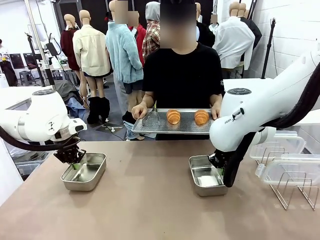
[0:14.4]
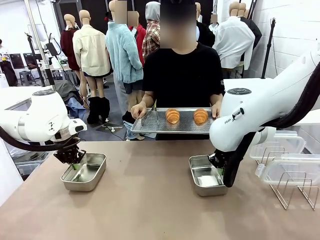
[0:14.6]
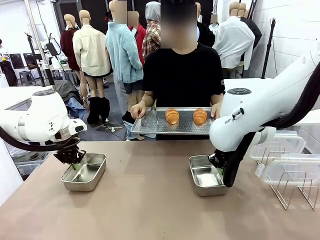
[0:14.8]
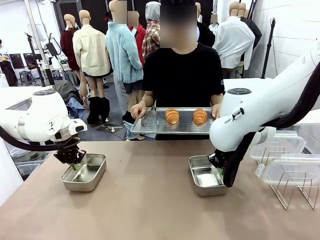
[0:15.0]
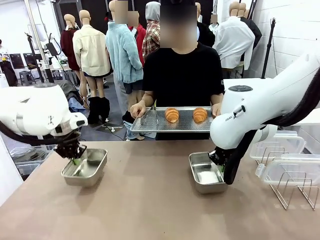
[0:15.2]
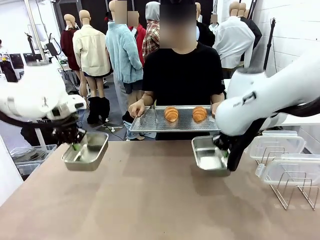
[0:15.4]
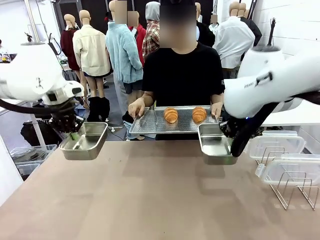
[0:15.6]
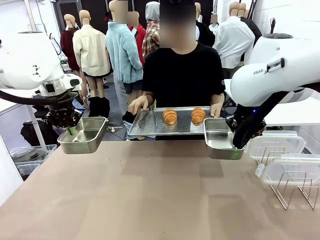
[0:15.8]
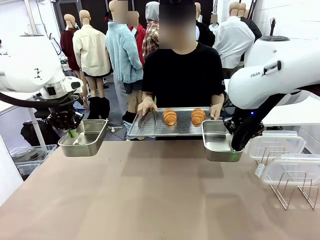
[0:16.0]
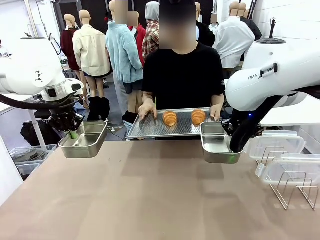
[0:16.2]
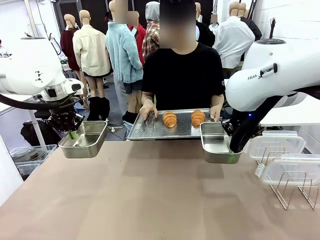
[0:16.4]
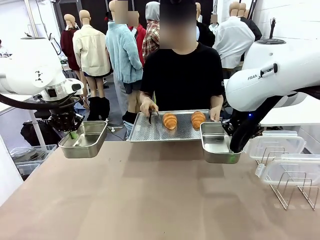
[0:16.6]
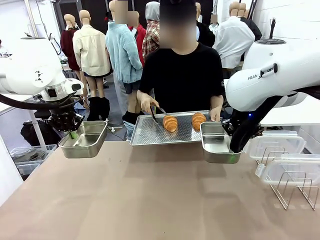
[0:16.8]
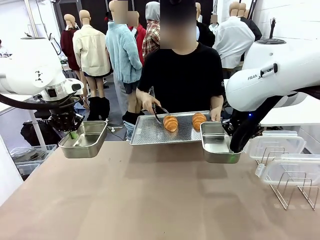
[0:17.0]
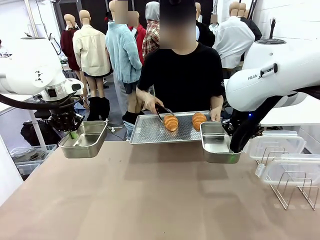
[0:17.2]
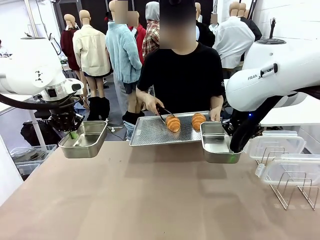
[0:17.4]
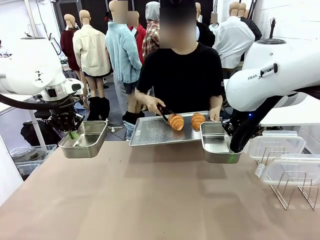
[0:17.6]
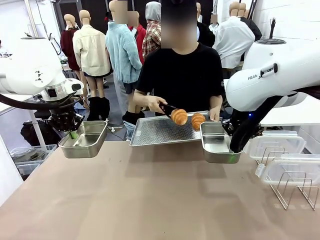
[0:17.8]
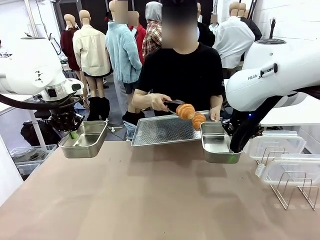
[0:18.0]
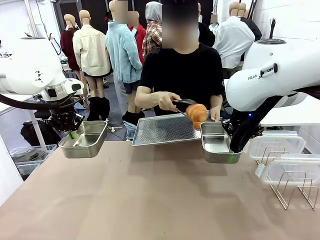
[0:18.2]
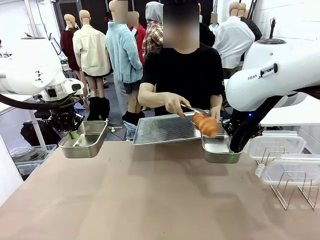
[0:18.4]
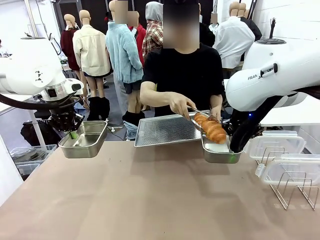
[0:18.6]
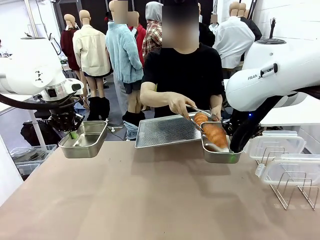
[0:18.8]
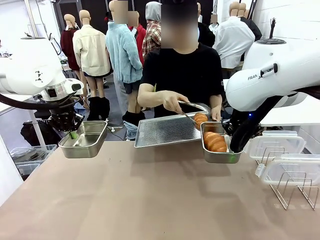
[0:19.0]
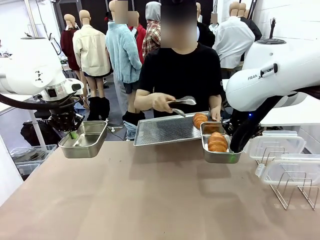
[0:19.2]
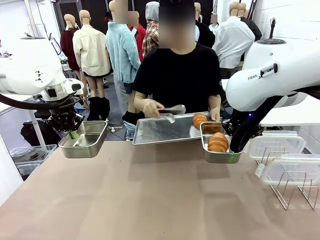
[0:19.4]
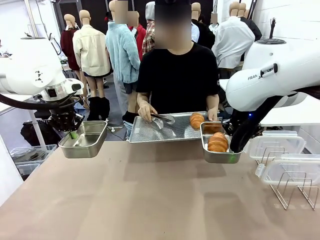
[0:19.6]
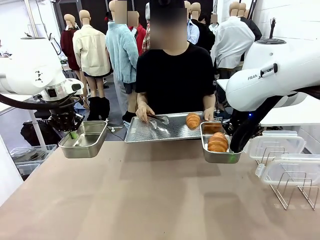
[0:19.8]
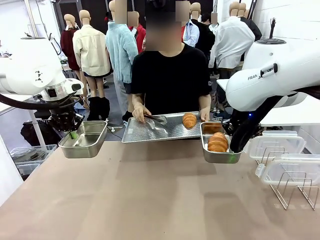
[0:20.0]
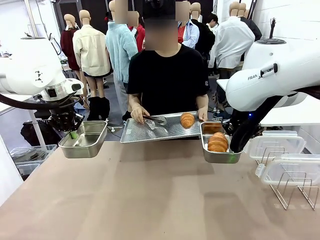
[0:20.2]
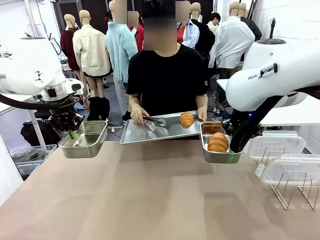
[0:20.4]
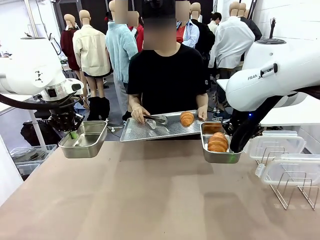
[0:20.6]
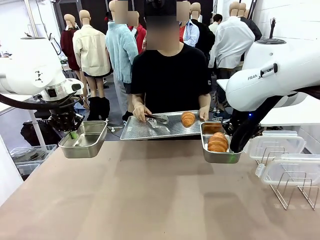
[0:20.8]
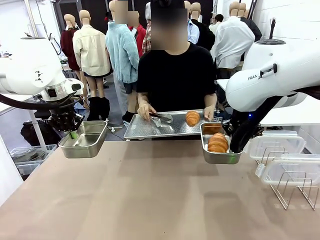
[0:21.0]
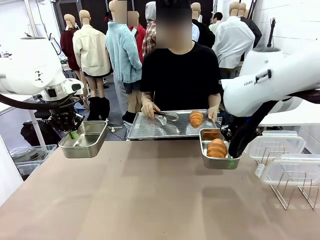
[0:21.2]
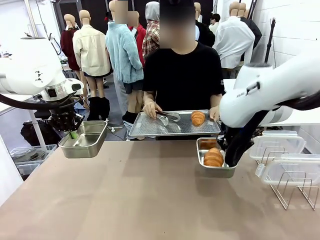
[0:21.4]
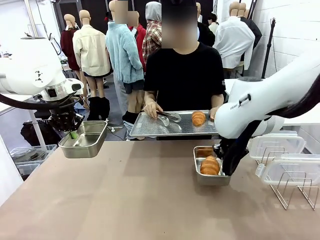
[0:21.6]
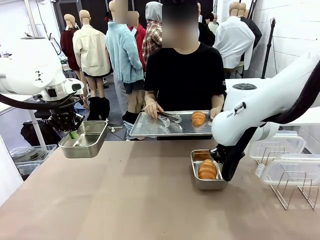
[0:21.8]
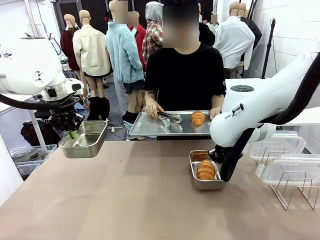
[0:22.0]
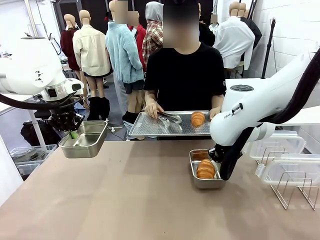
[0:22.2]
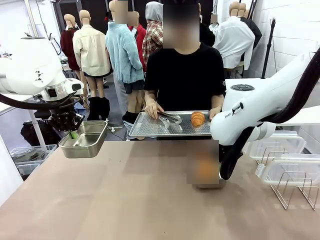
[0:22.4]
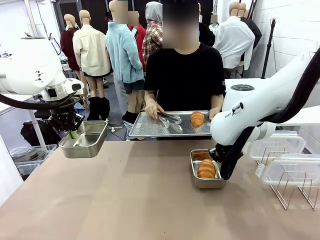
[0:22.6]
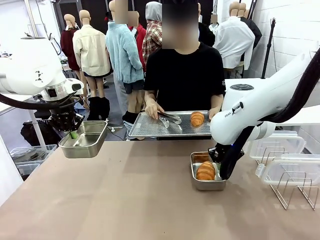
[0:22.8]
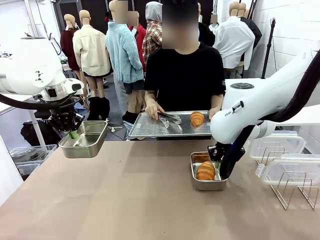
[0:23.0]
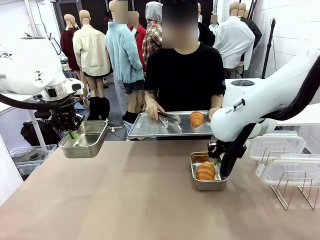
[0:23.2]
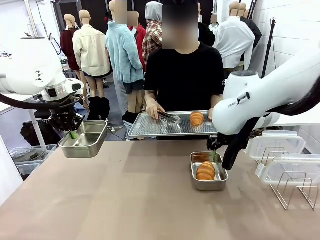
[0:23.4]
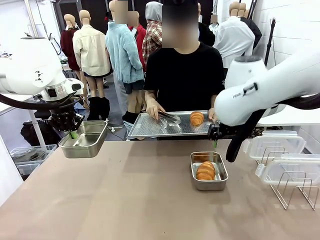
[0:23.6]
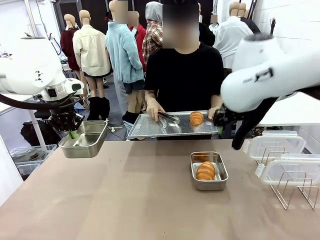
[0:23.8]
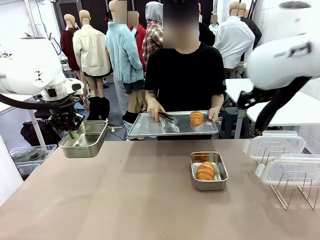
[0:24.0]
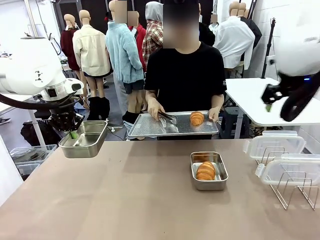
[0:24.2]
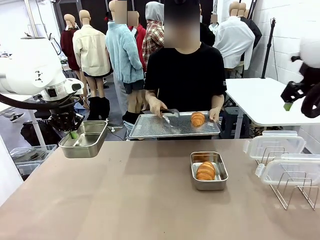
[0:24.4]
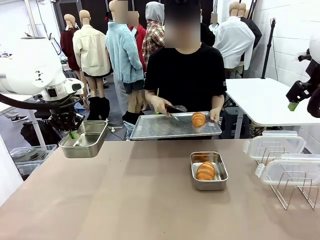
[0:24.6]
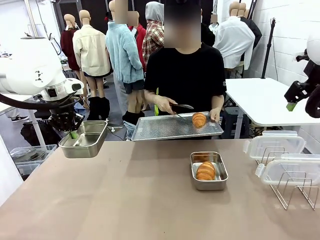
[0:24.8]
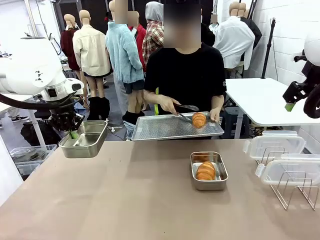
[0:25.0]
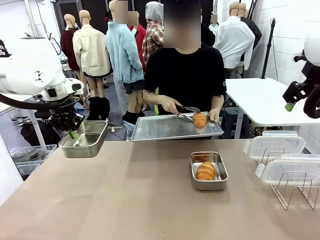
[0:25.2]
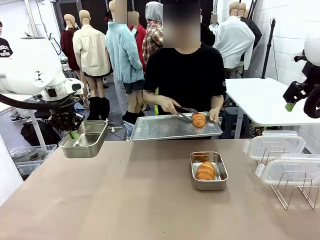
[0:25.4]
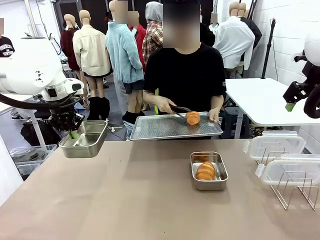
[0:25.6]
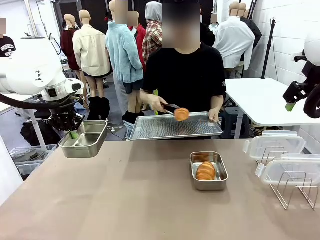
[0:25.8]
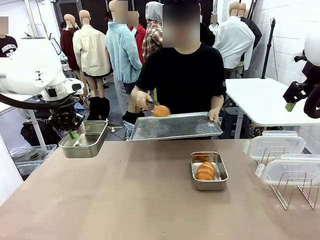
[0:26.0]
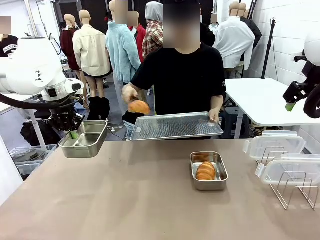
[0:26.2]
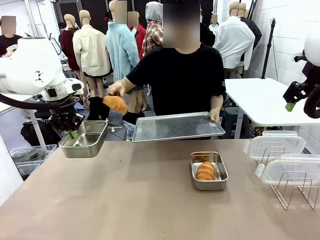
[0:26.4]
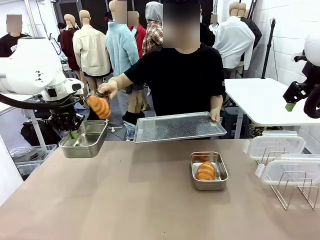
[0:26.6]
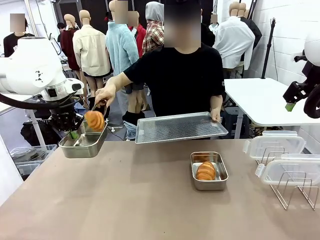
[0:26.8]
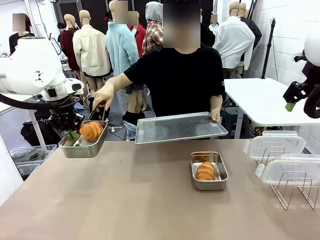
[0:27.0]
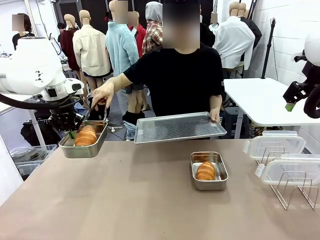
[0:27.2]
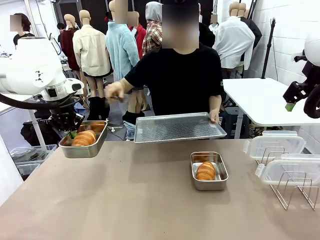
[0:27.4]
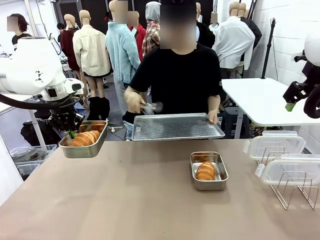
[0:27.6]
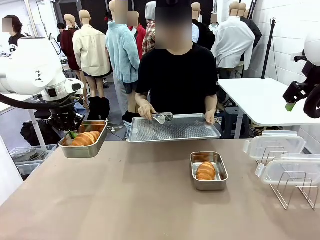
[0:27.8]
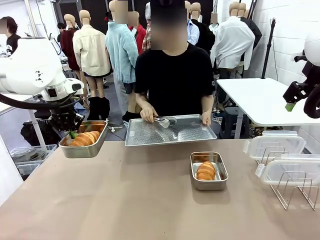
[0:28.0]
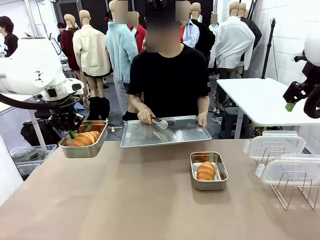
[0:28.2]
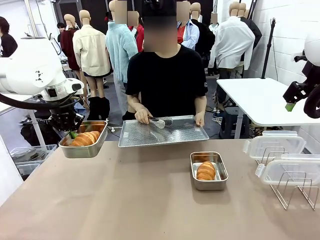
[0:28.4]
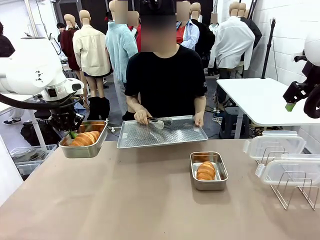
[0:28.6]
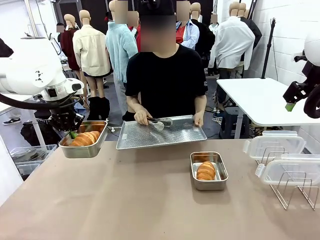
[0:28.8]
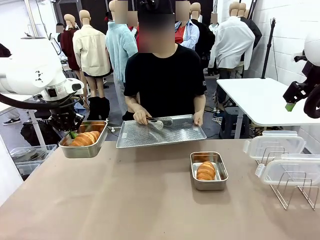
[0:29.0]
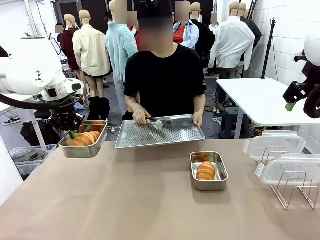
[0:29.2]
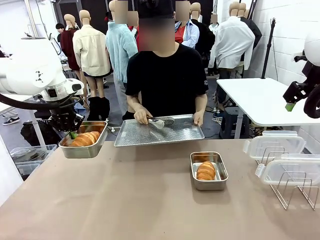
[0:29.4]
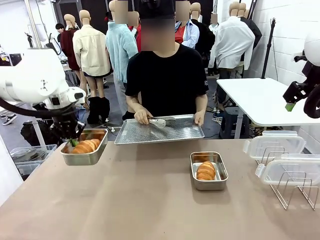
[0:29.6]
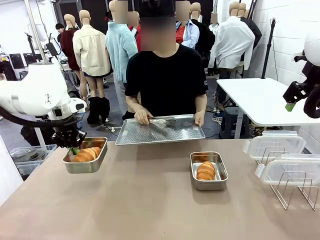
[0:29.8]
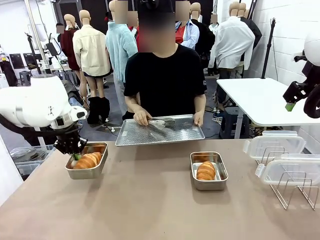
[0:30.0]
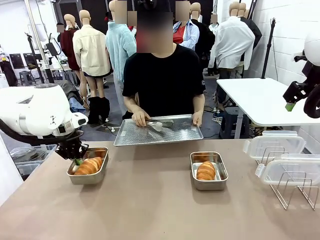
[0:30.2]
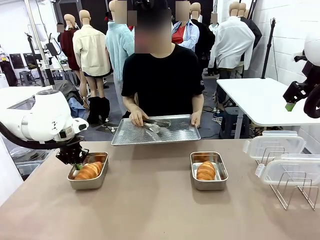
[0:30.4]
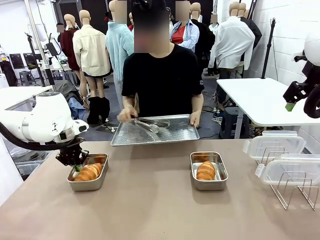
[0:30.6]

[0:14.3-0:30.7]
Task: Place the bread in airtight containers.
Robot: Once an object is inside an Airtight Container , place the container in the center of the table.
Person: Use the Stainless steel tongs to place one object from Baking Sheet into one Airtight Container.
